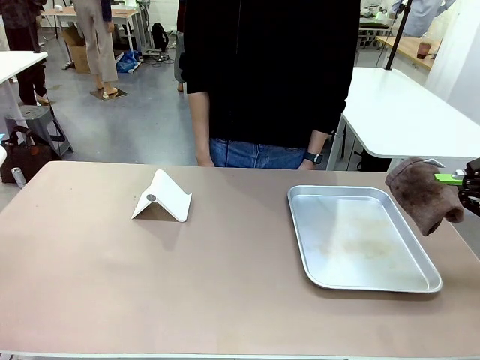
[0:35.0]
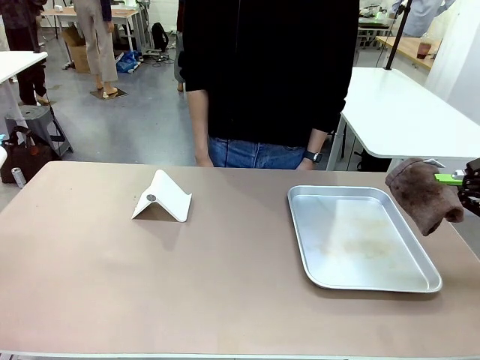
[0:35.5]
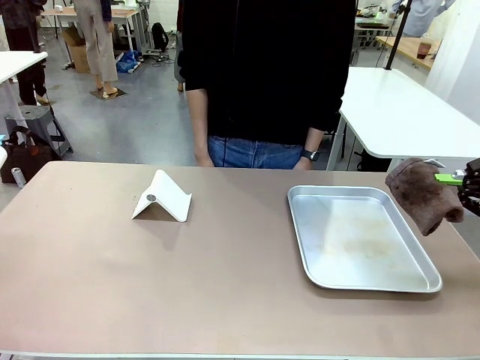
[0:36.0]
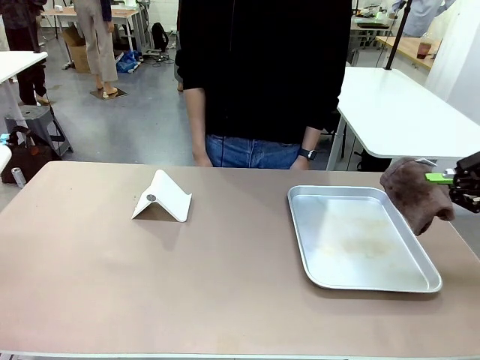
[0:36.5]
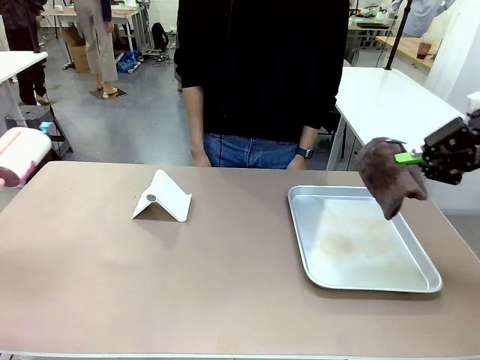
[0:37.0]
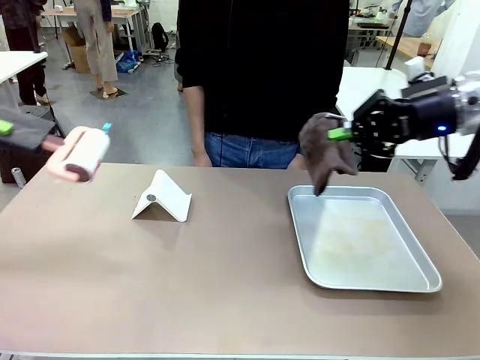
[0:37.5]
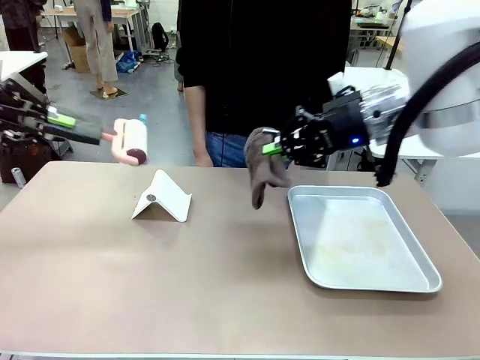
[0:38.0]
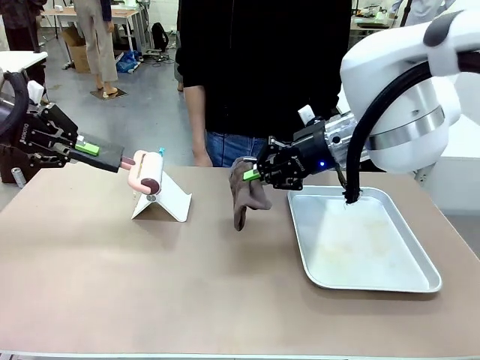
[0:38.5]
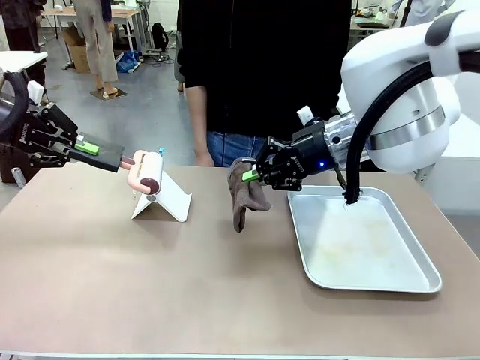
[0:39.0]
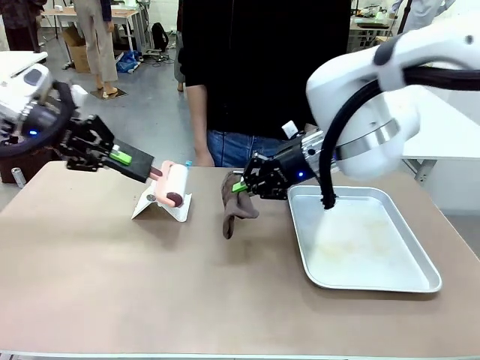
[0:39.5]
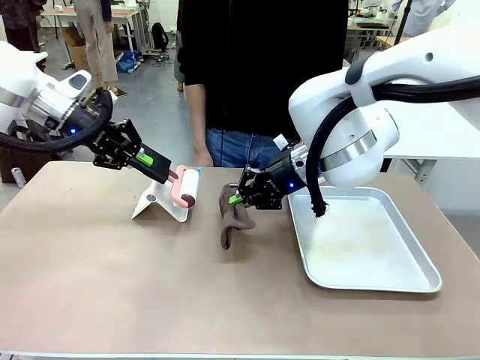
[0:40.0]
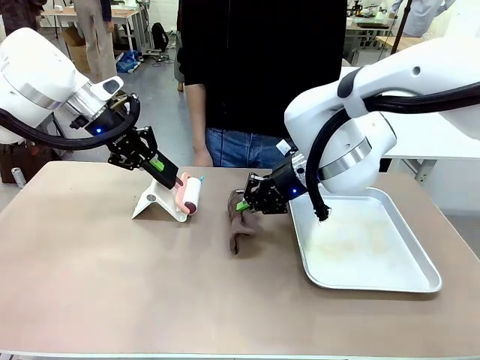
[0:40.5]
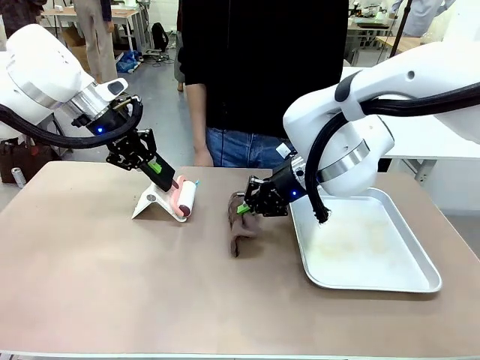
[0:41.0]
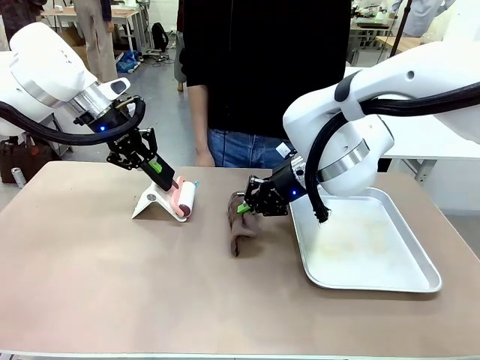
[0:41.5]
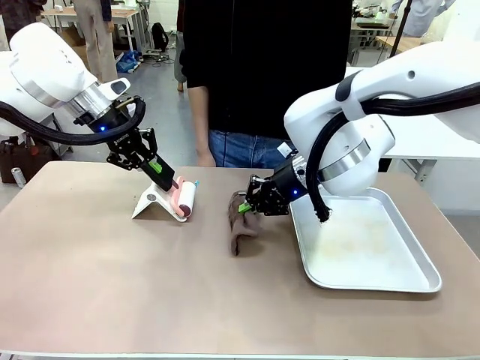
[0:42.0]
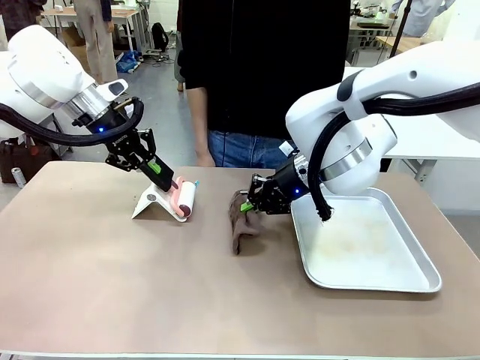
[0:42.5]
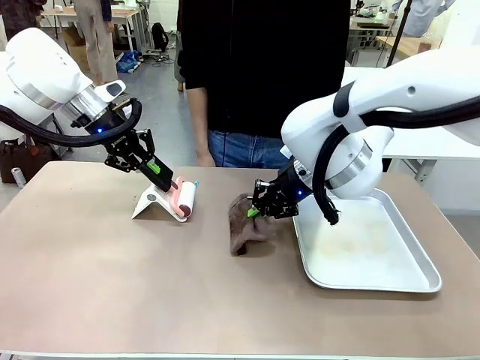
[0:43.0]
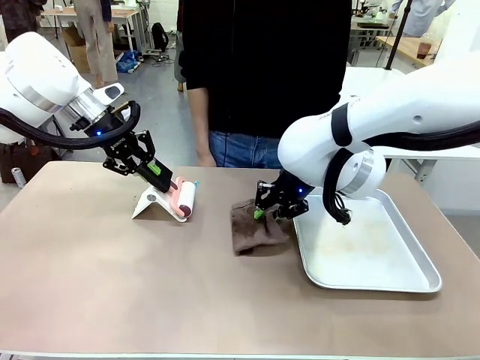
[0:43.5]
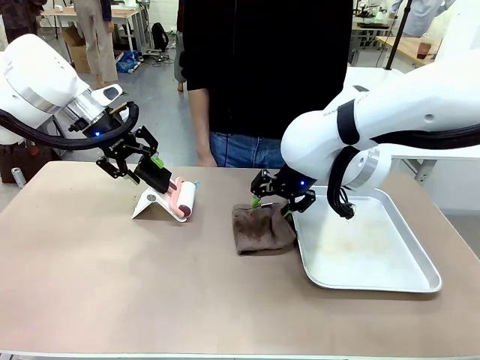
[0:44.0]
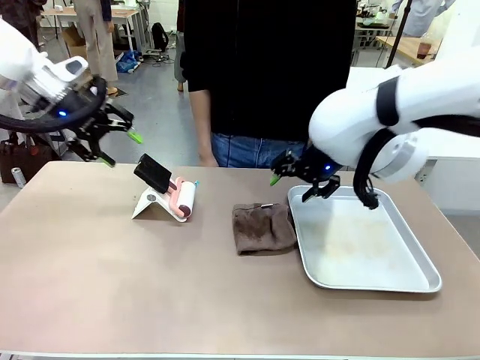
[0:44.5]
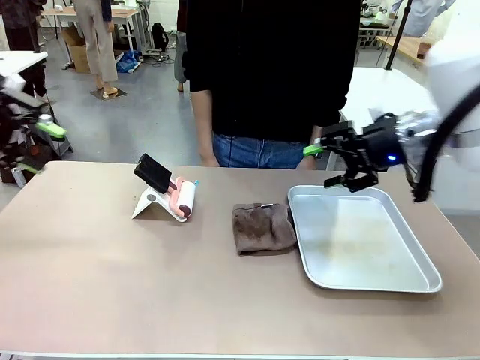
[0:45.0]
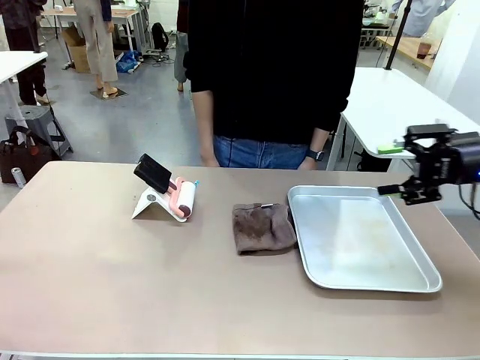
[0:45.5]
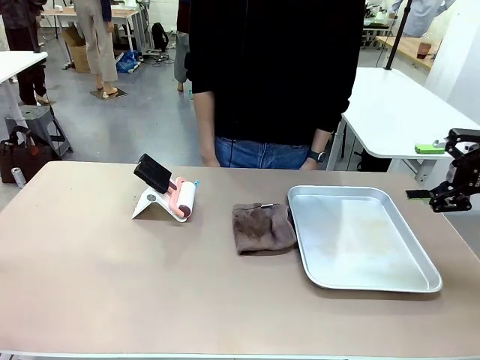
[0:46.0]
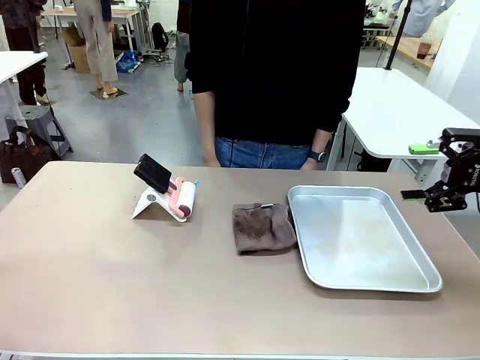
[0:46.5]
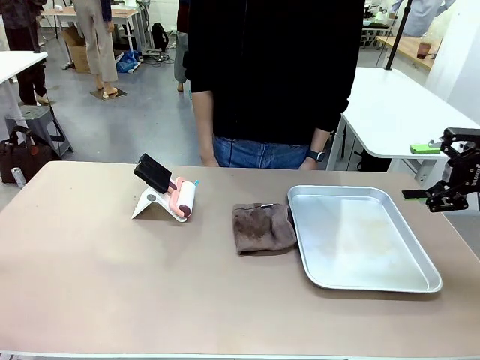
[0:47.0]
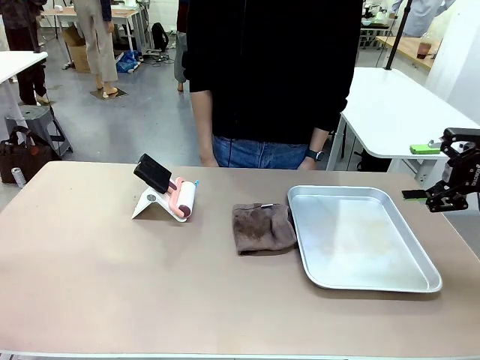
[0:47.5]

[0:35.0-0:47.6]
Task: Clean the surface of the table.
Robot: Return the Lint Roller and towel to their original positions.

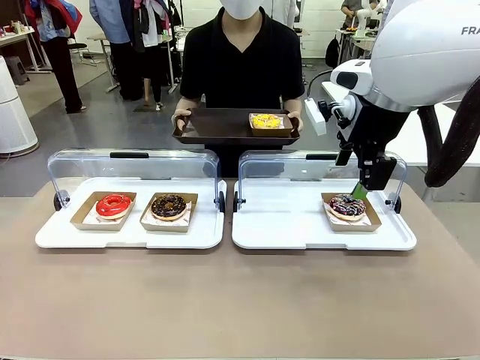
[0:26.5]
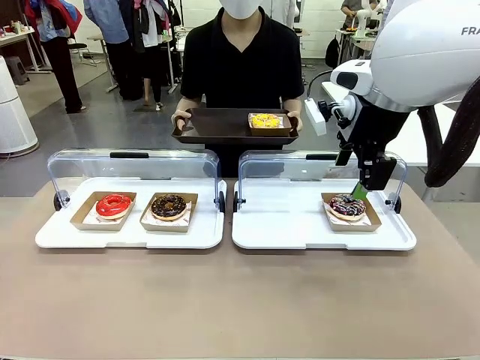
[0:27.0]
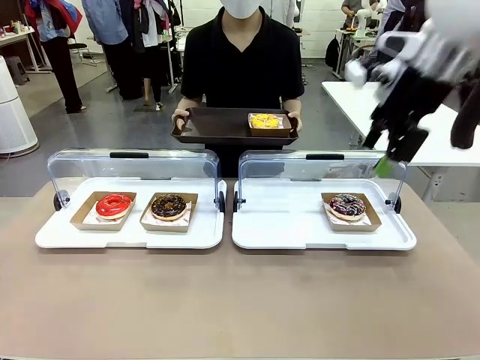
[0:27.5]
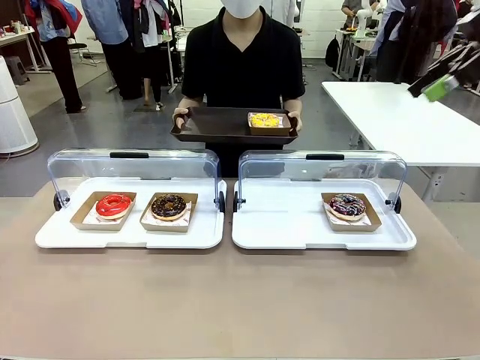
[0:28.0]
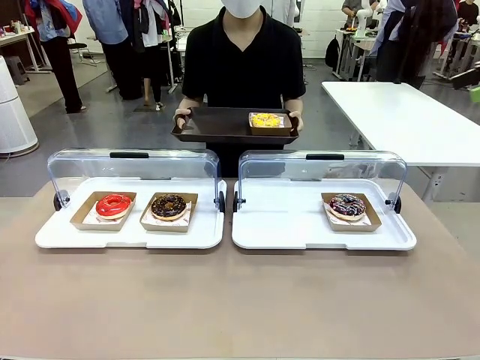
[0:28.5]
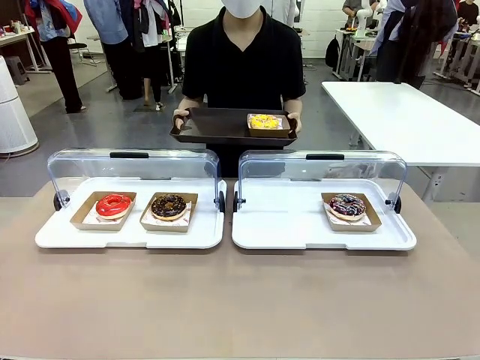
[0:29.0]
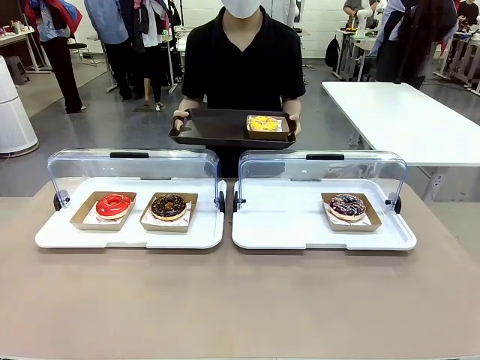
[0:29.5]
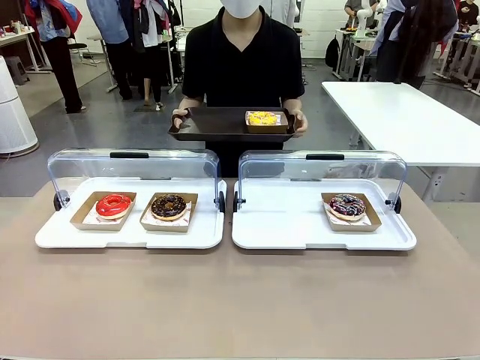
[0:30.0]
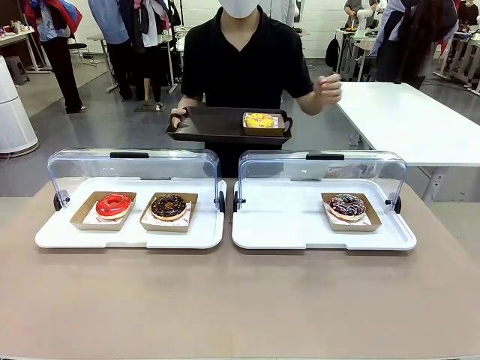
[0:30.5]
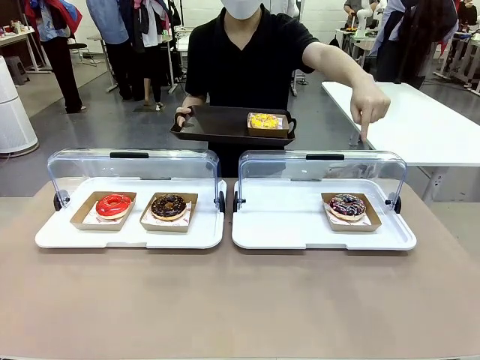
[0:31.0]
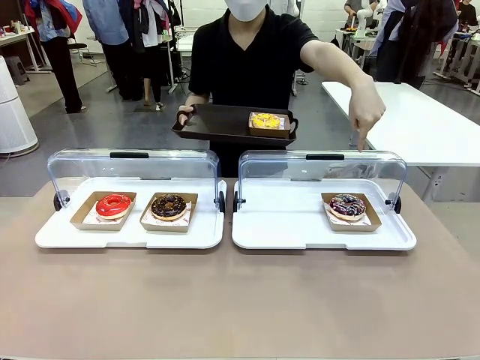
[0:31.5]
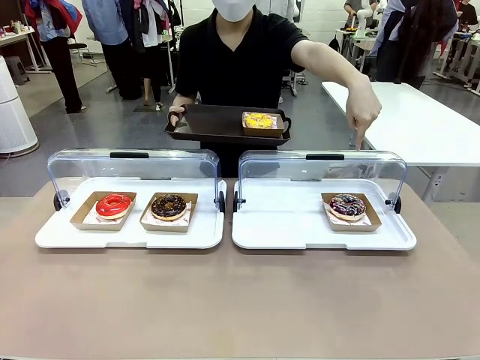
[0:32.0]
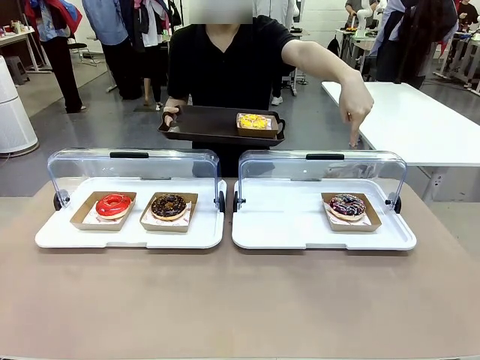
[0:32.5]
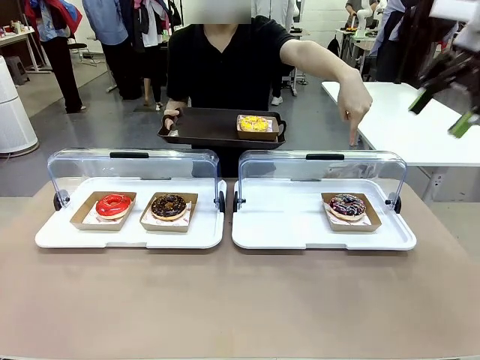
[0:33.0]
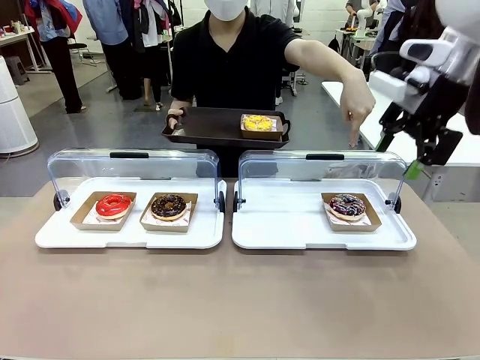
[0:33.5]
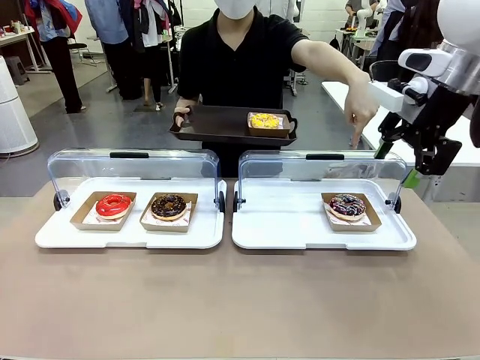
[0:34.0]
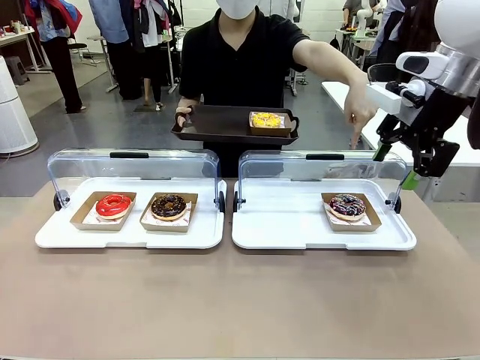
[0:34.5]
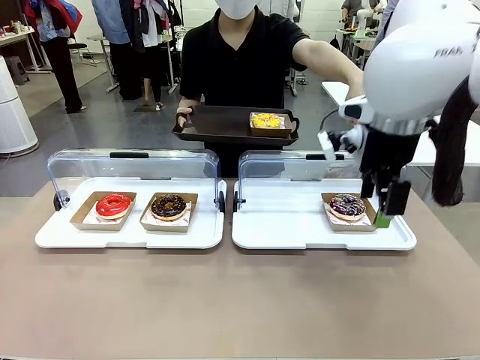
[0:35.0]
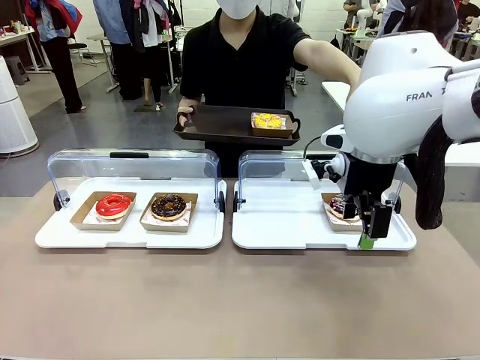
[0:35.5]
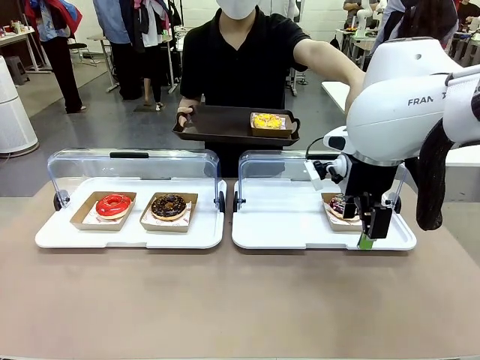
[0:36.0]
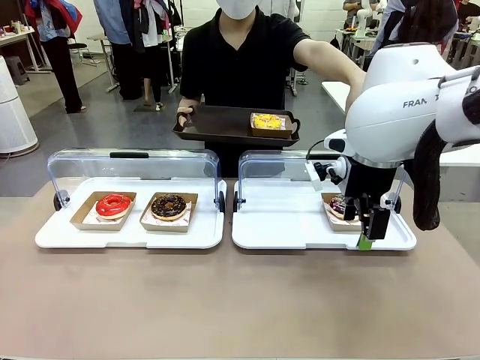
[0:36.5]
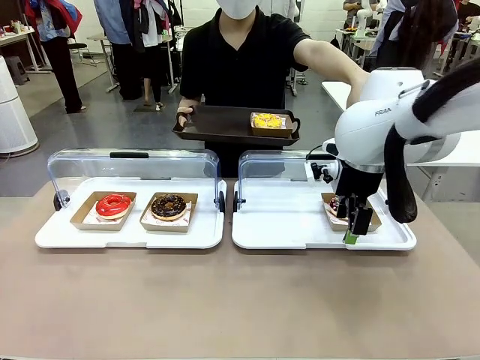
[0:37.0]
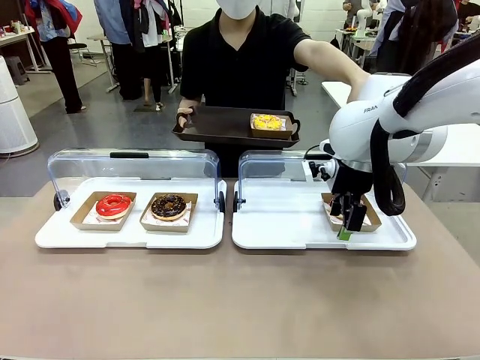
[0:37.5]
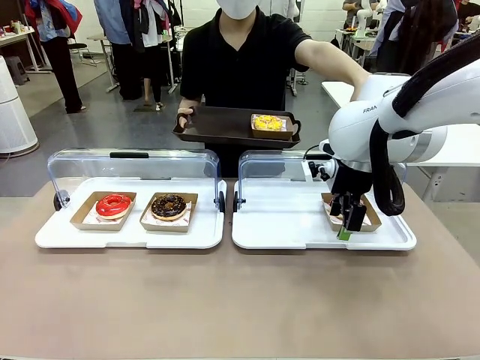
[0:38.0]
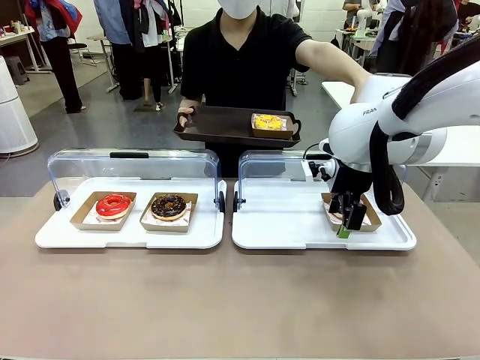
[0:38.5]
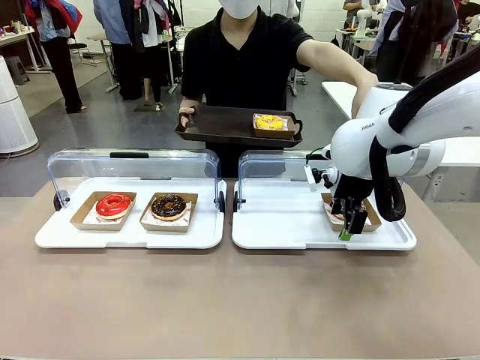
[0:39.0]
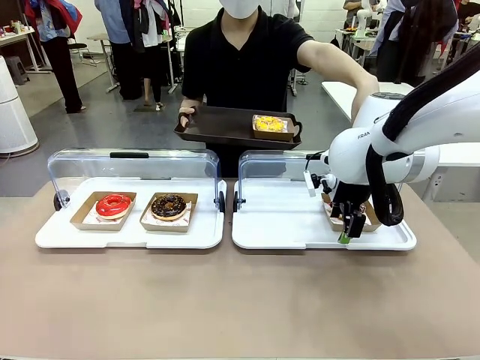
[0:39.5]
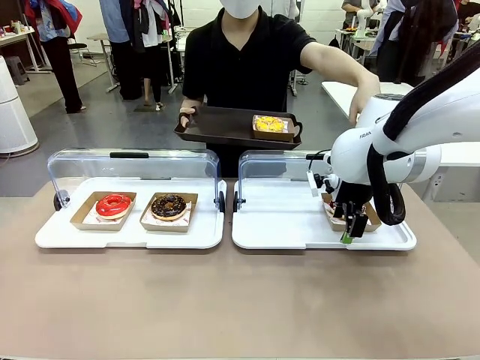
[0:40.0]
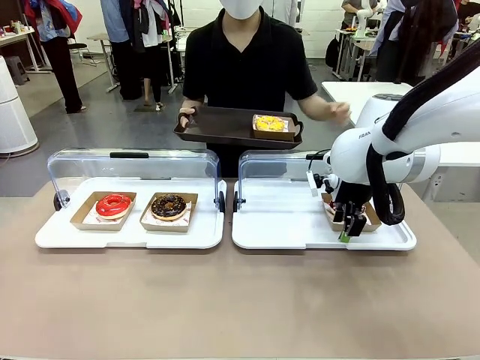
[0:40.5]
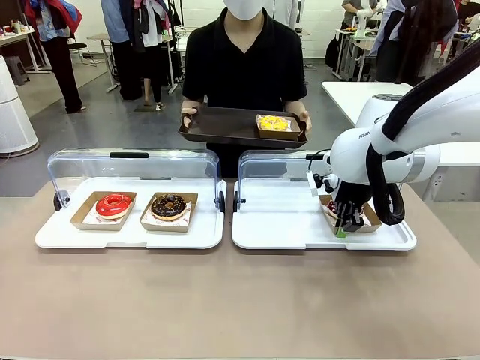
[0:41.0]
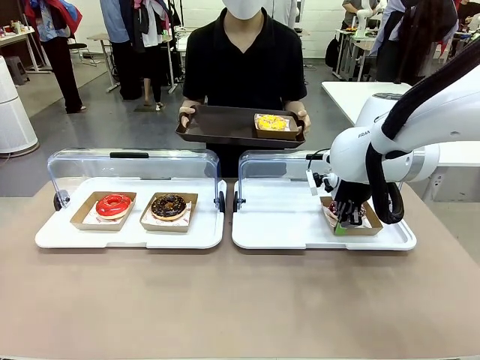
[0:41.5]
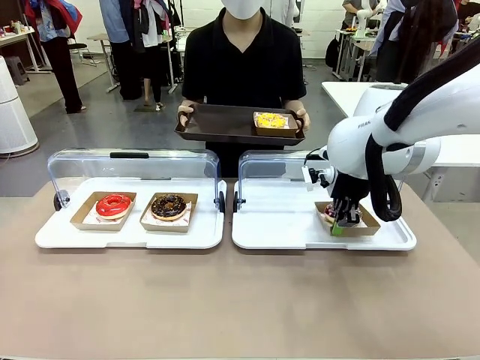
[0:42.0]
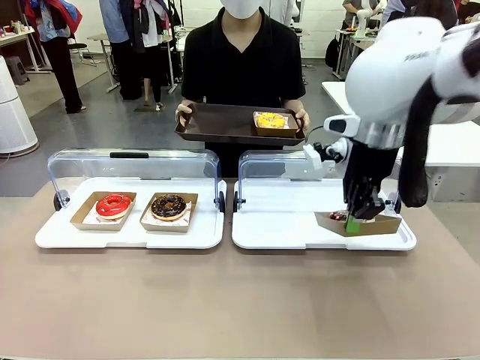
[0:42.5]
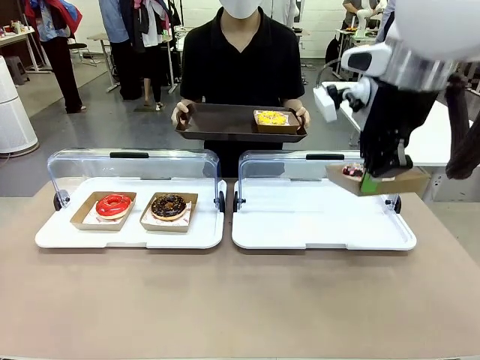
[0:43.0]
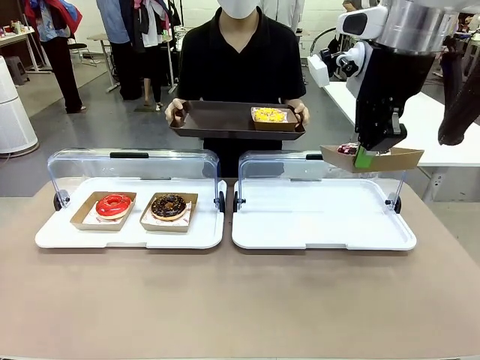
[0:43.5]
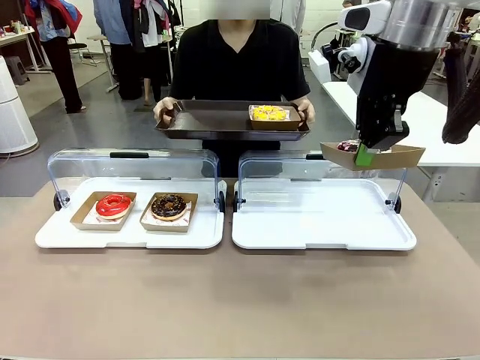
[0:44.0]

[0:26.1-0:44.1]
Task: Provide the desired donut to the person.
Robot: Pick up and lift the Paper togo box containing the Donut pointed at by the person.
Person: Point to one donut. Lift the tray onto the Roll-Top Bakery Case.
